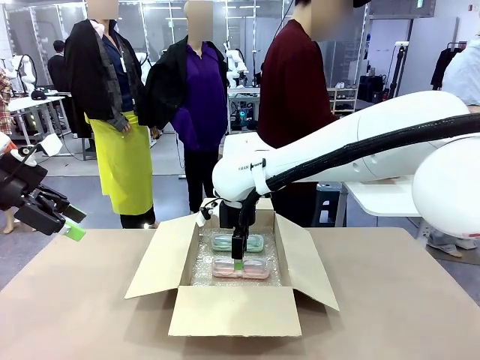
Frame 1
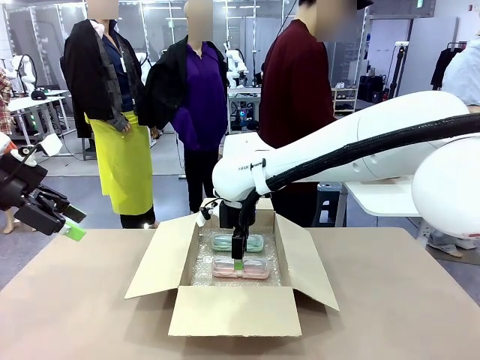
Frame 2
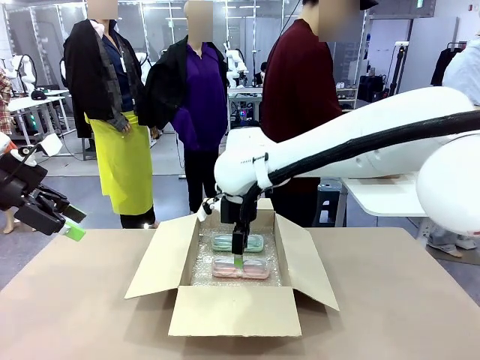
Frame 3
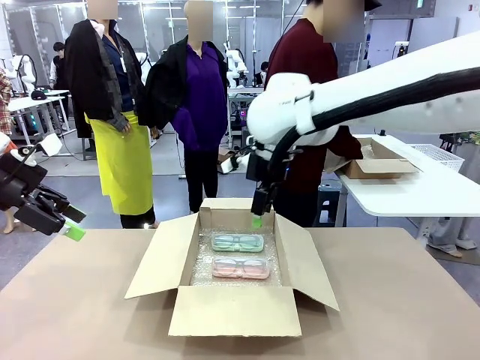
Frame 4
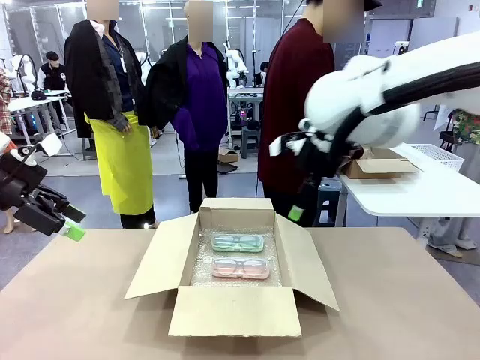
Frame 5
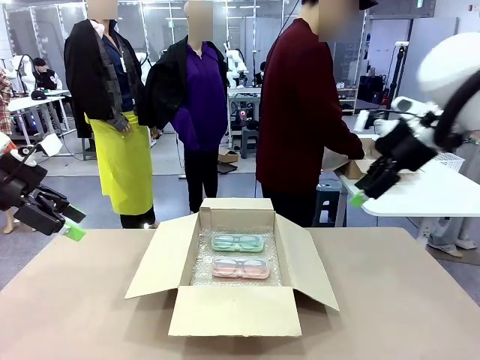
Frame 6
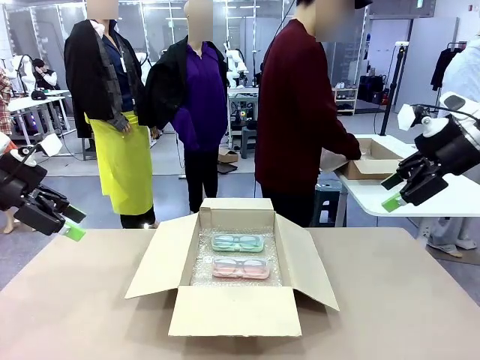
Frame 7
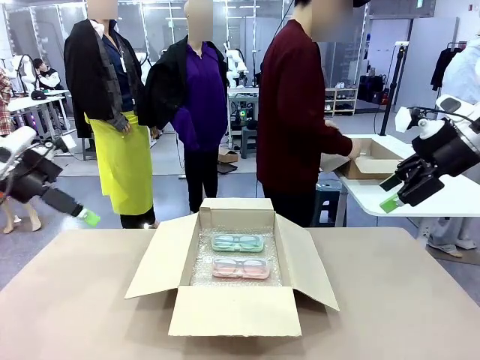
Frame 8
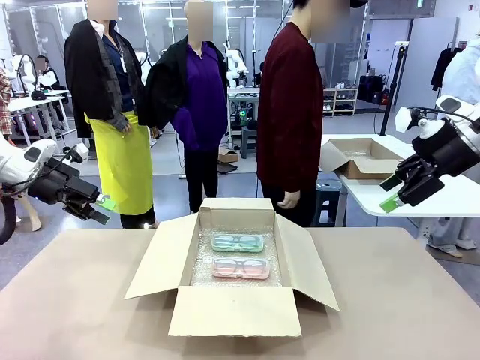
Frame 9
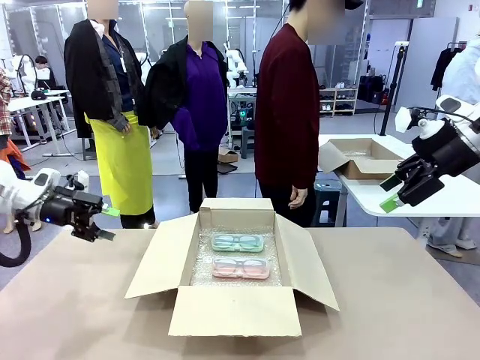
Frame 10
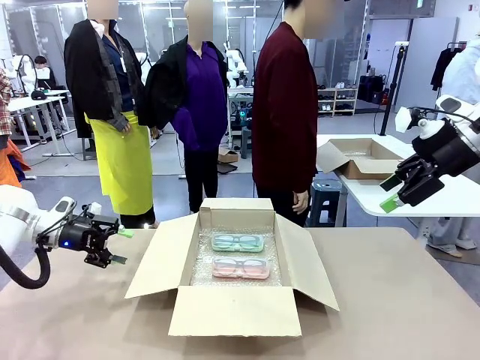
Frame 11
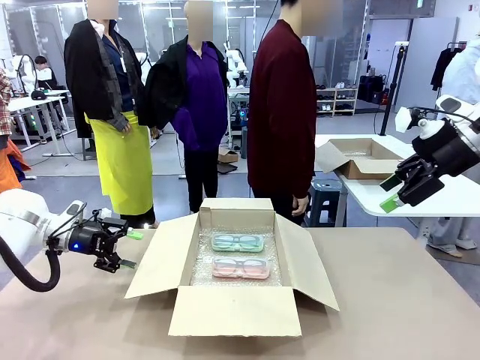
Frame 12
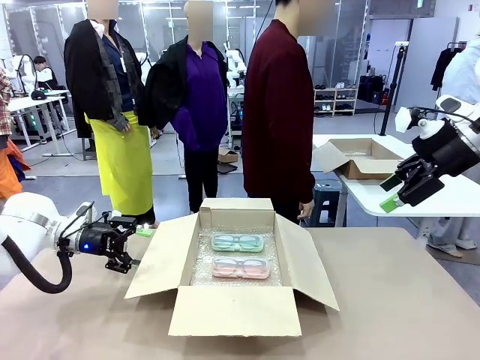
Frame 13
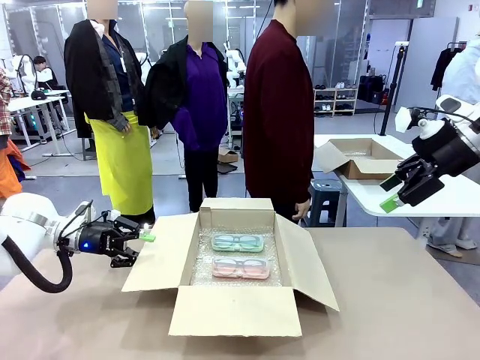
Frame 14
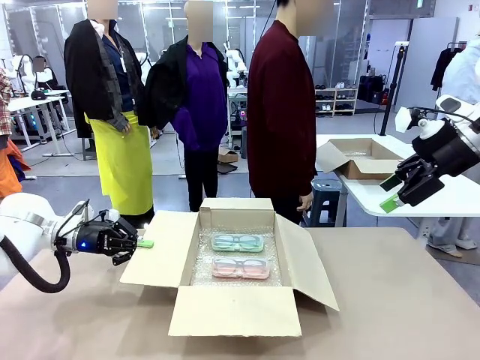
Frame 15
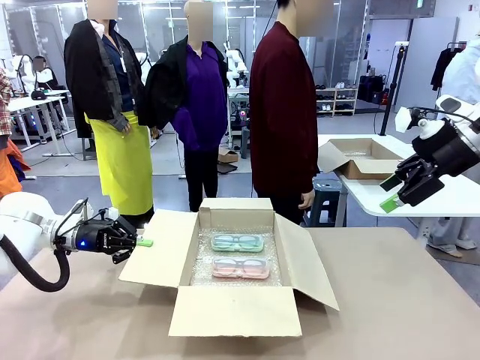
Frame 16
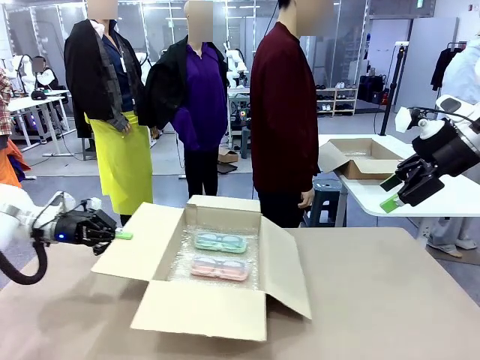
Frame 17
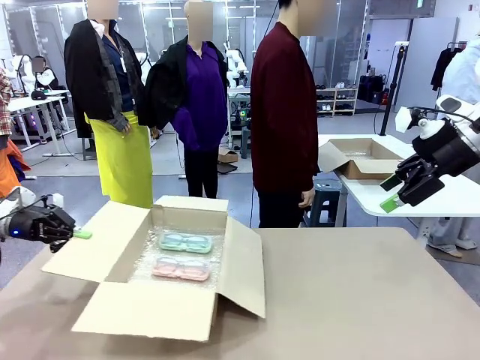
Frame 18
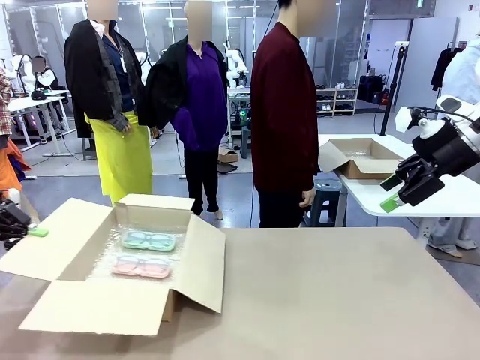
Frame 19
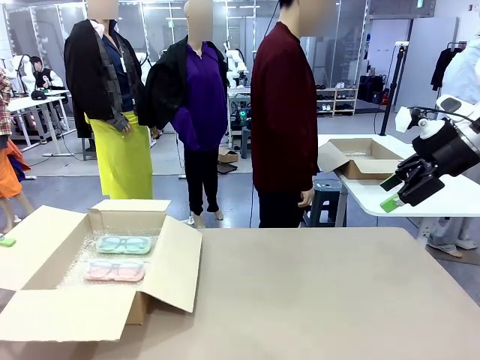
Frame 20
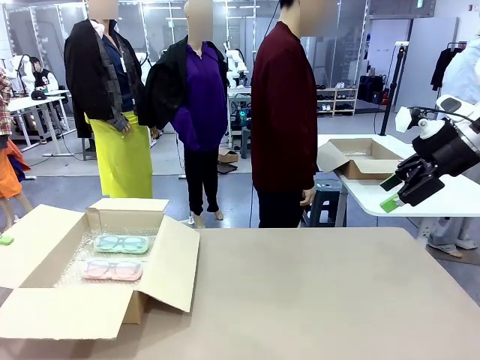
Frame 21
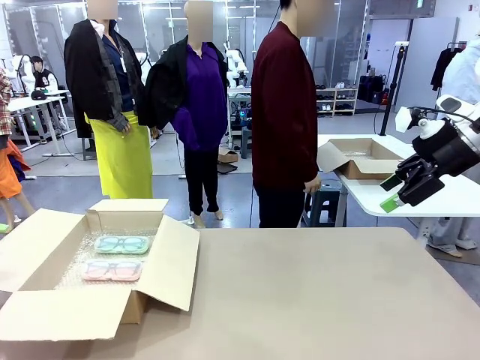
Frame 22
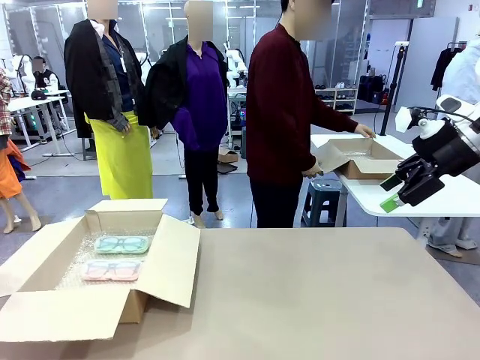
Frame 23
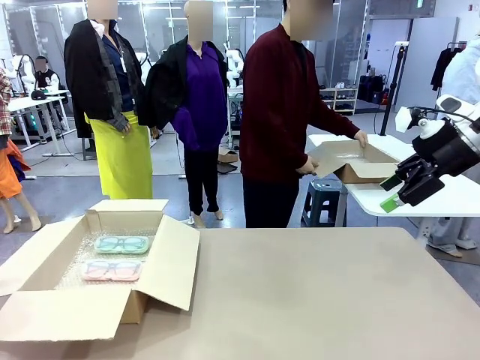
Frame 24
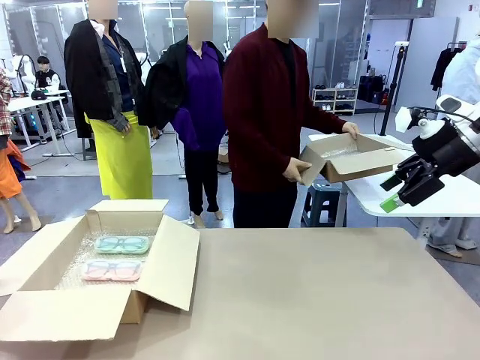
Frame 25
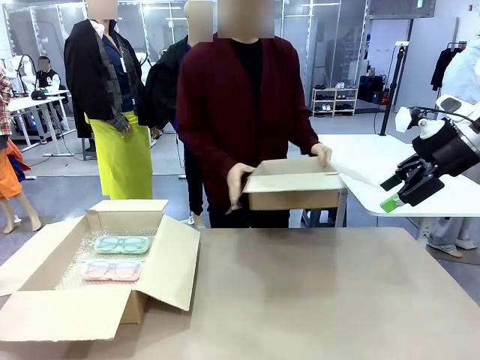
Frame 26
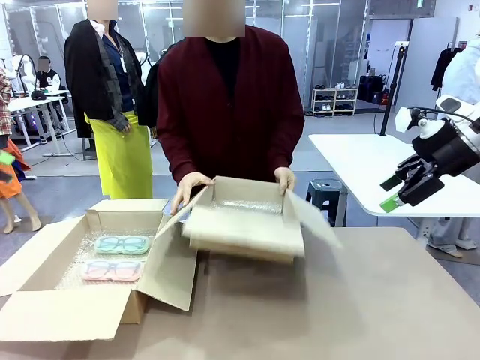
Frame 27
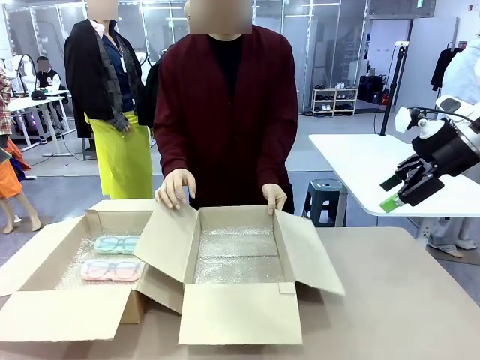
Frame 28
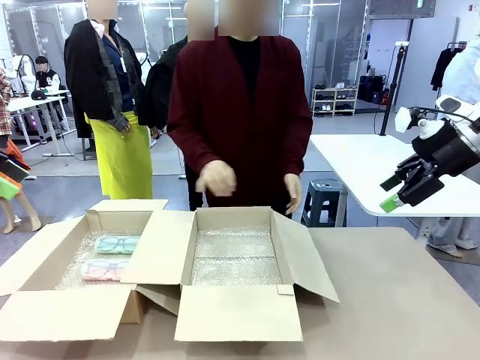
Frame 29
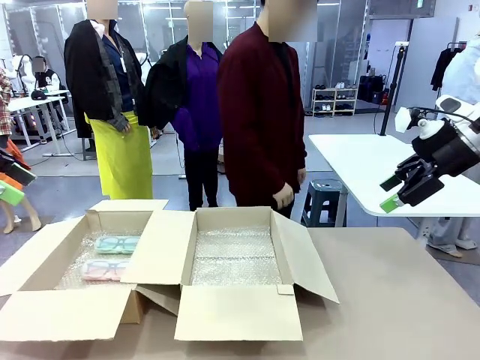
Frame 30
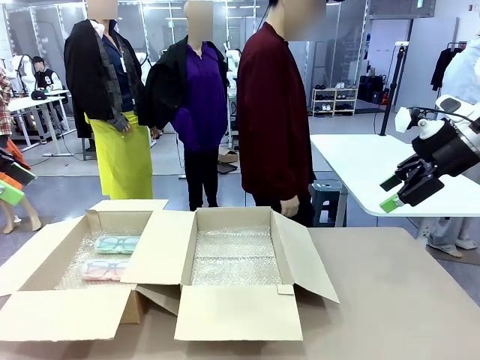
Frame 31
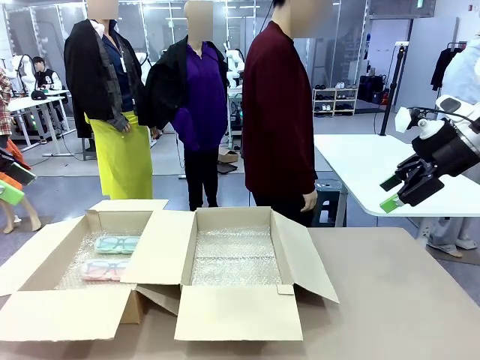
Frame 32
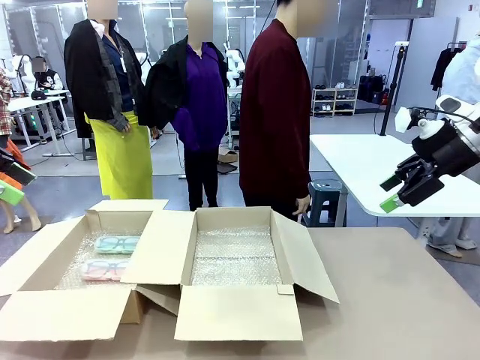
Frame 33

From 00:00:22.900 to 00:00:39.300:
Task: Pack the glasses set securely to prepare it for shipping.
Robot: Position the Package Box on the left side of the table.
Person: Position the empty Package Box in the middle of the robot's table.

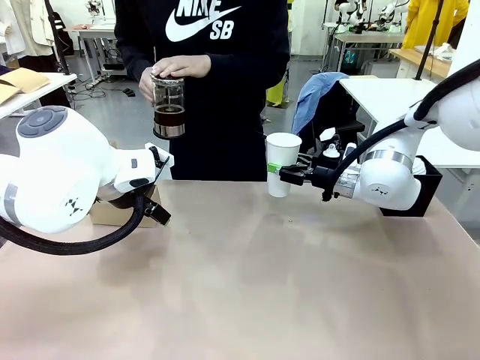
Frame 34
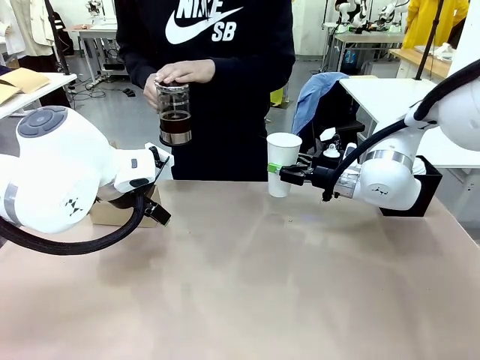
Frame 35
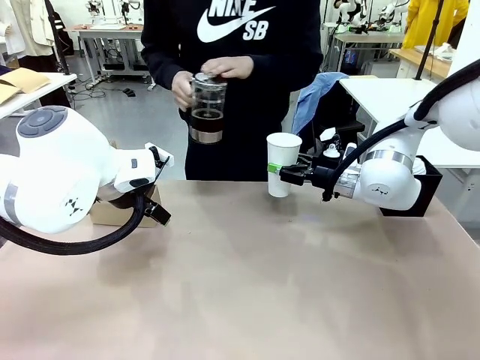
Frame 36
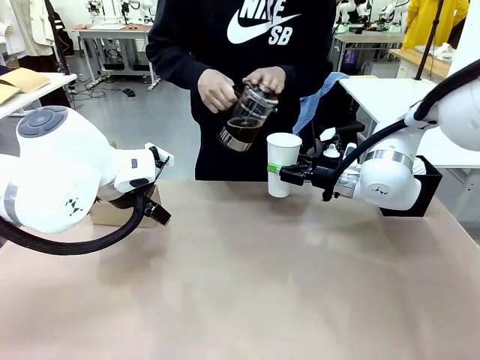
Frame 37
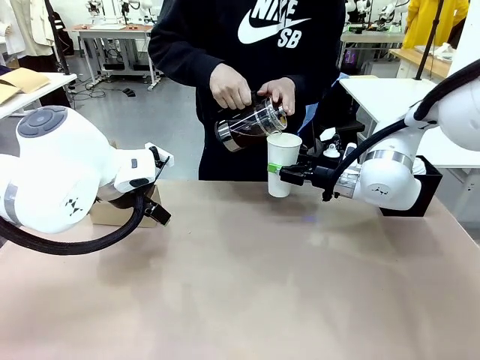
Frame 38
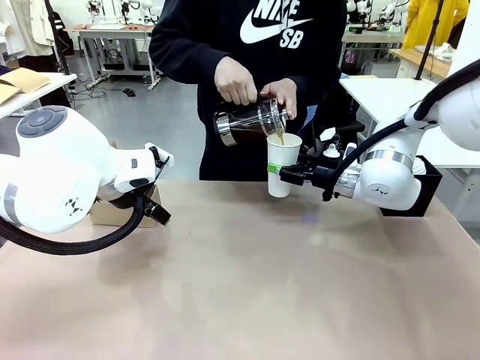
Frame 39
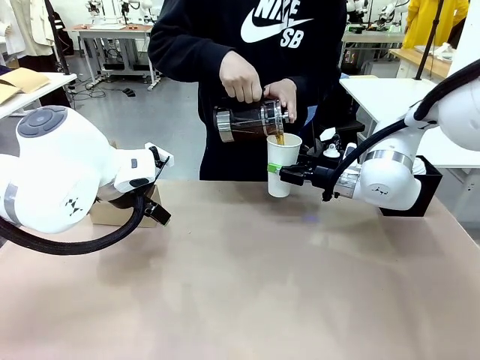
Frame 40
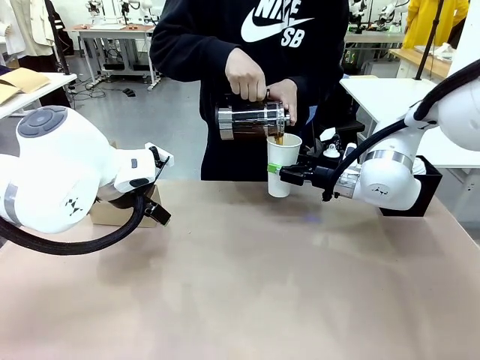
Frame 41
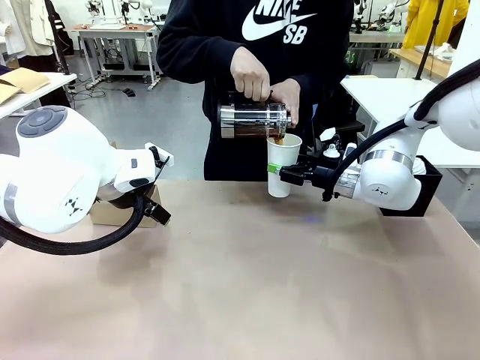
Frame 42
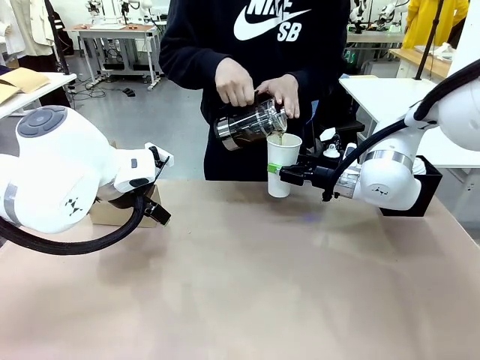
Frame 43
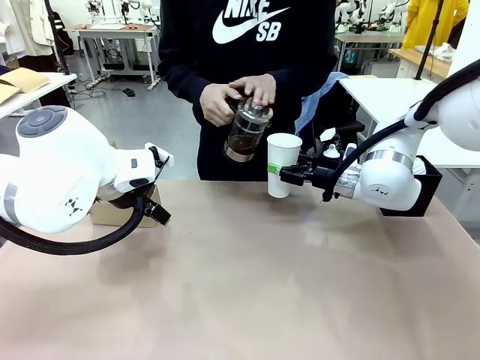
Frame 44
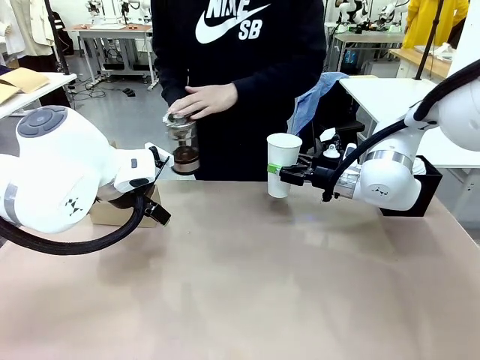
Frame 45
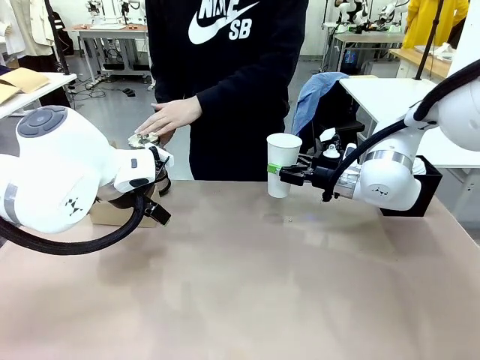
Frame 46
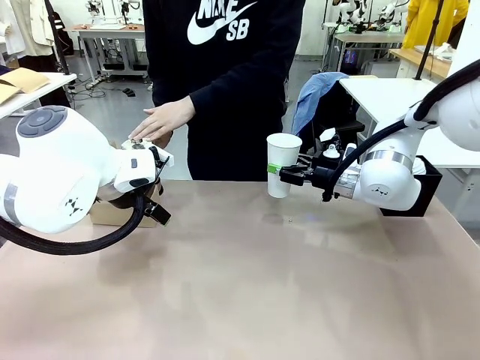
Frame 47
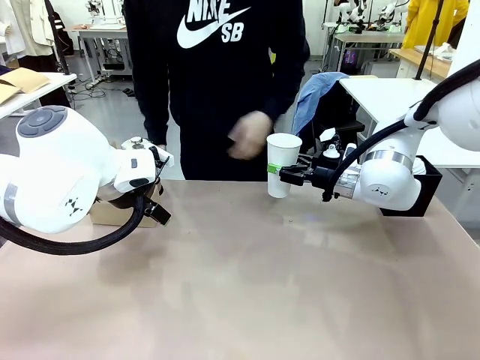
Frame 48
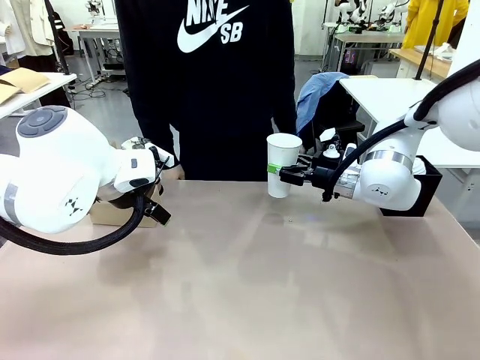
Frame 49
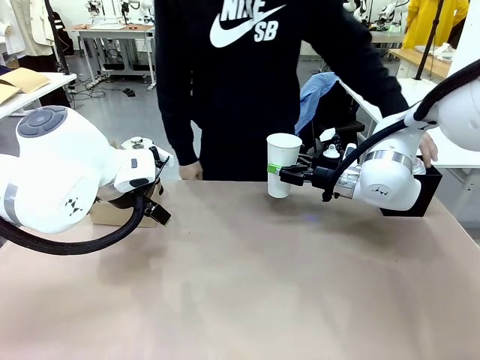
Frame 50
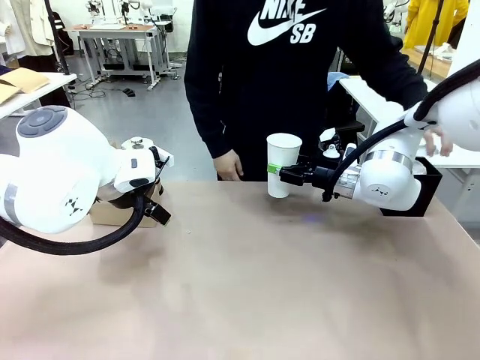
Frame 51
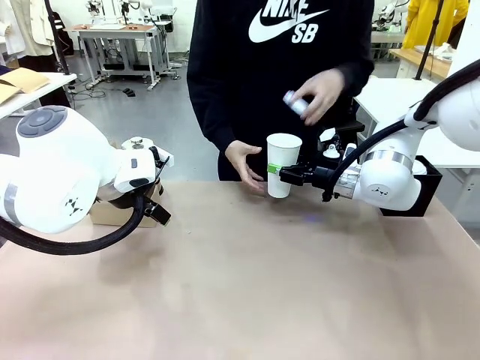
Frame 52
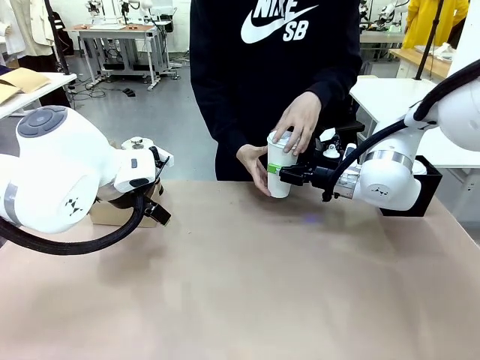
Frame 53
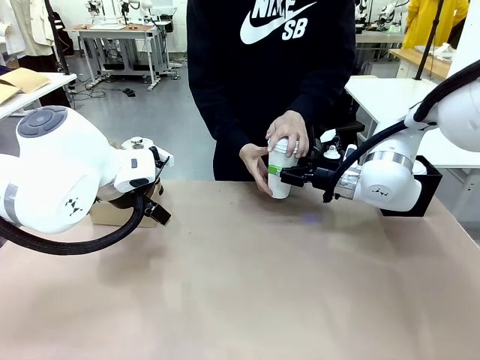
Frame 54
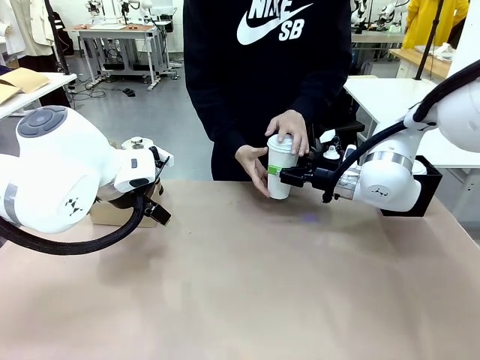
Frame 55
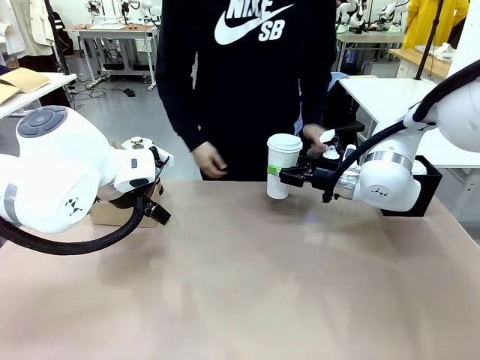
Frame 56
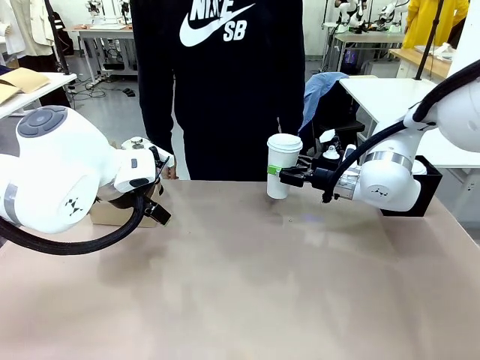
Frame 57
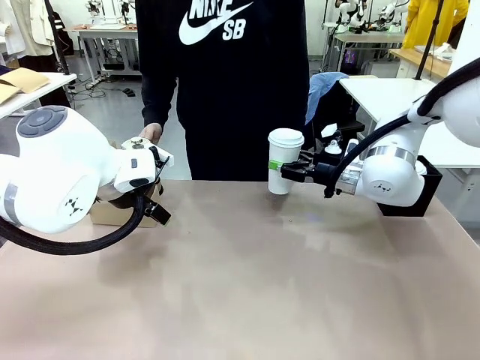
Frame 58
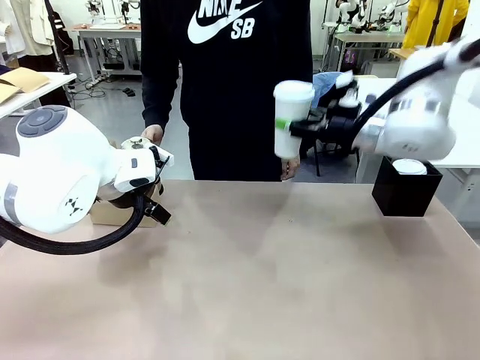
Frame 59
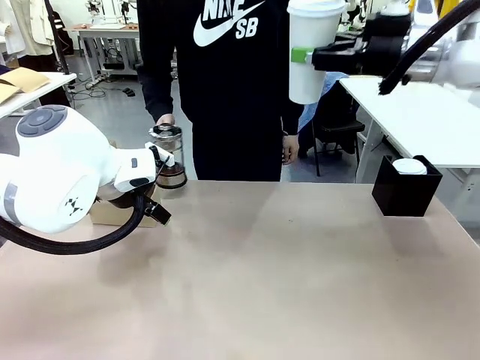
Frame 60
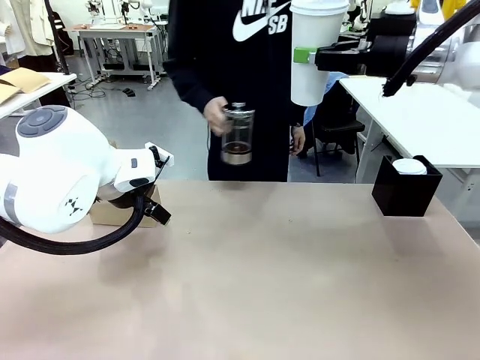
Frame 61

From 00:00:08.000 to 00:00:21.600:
Task: Pour a drink into a cup and package it in a carrier.
Robot: When a person places the Paper Cup Lid on the 600 ml Paper Cup , lift the 600 ml Paper Cup.
Person: Pour the drink from the Filter Brewing into the 600 ml Paper Cup. Place a Paper Cup Lid on the 600 ml Paper Cup.
